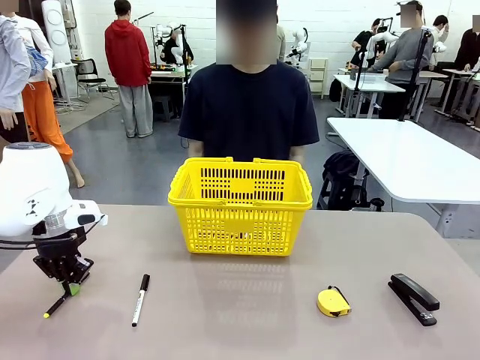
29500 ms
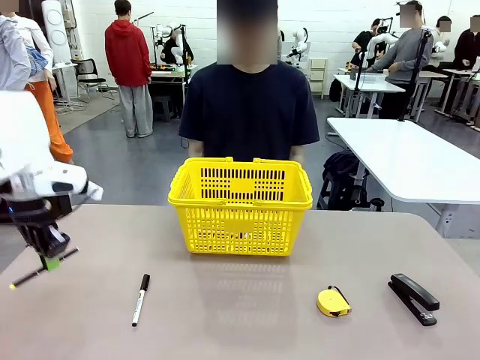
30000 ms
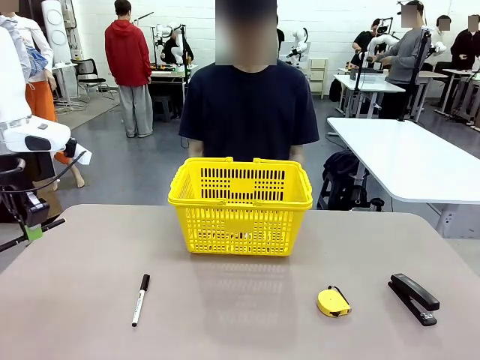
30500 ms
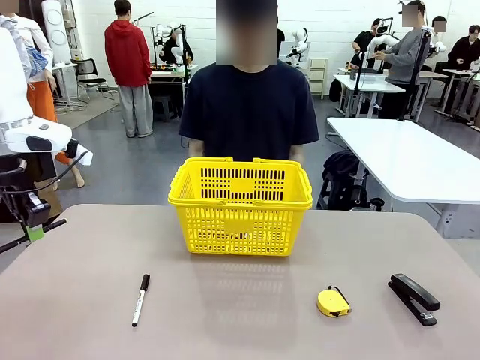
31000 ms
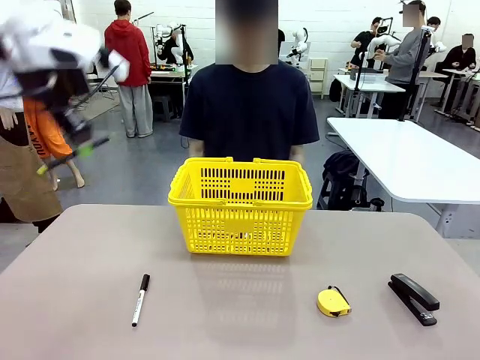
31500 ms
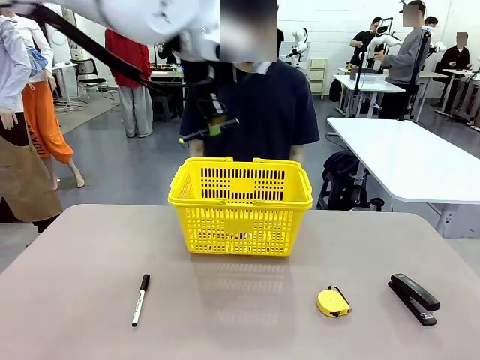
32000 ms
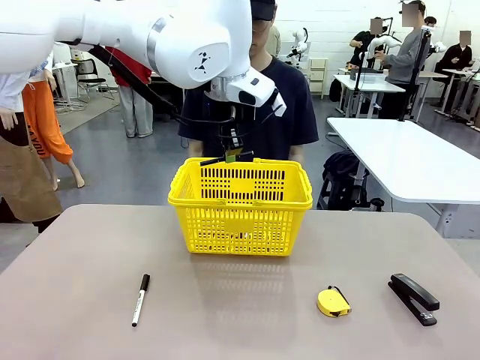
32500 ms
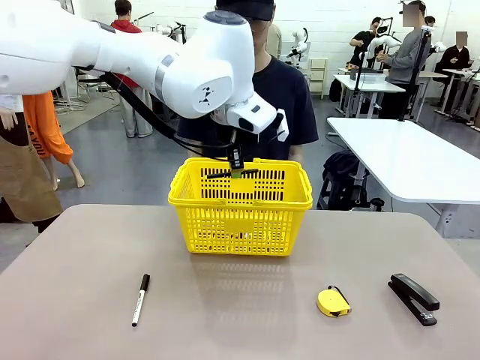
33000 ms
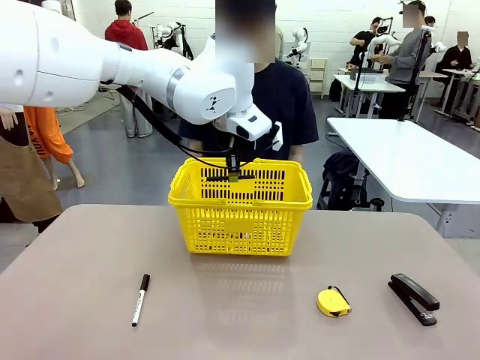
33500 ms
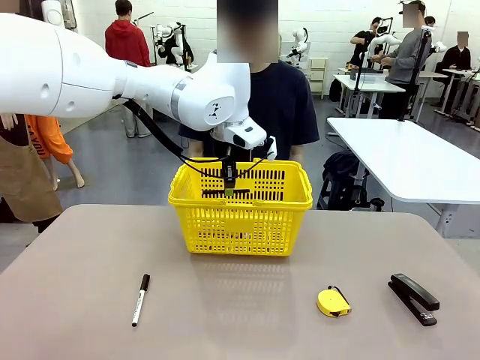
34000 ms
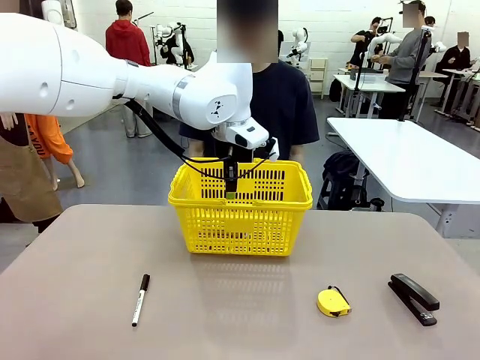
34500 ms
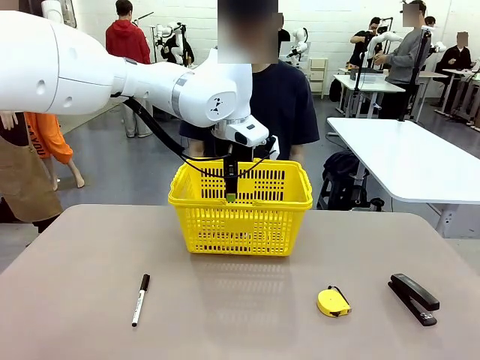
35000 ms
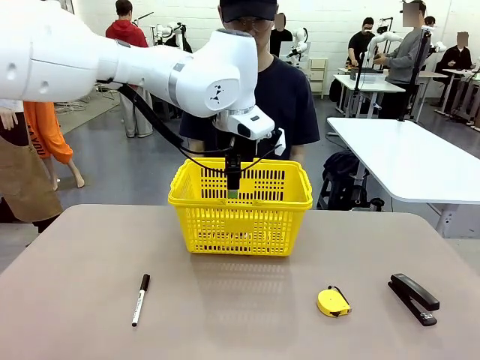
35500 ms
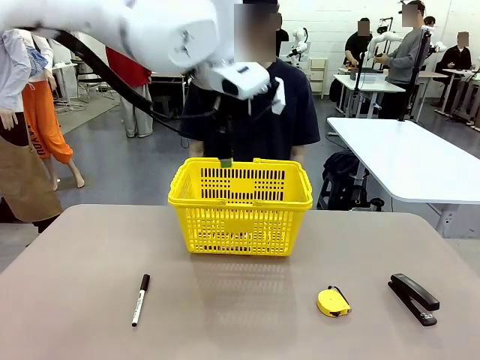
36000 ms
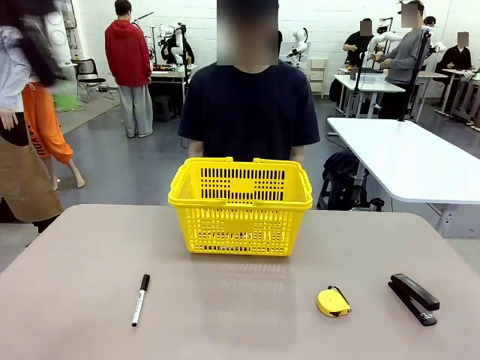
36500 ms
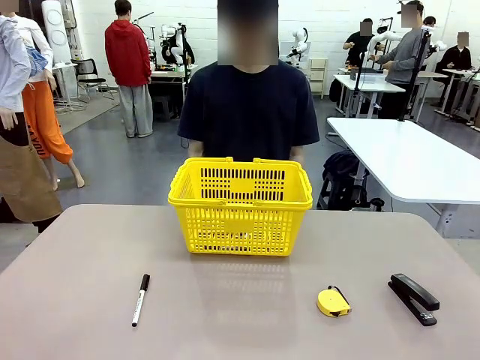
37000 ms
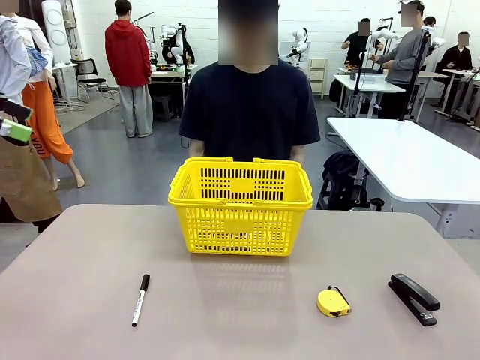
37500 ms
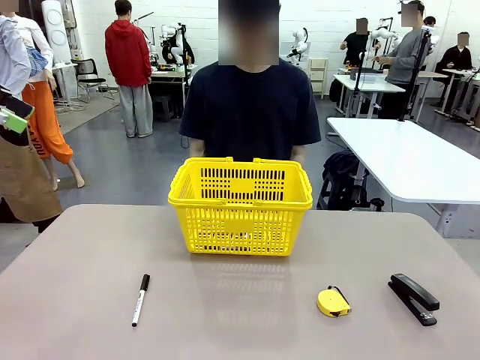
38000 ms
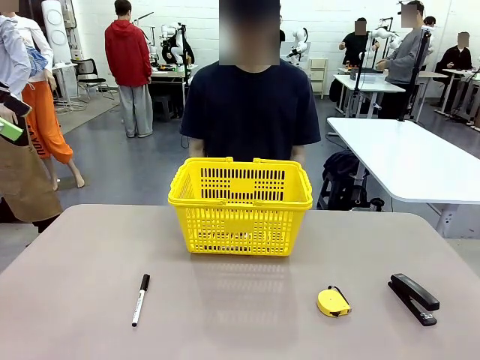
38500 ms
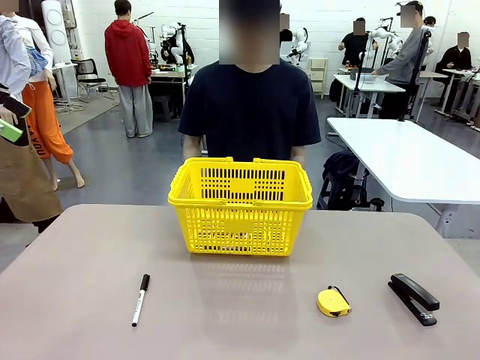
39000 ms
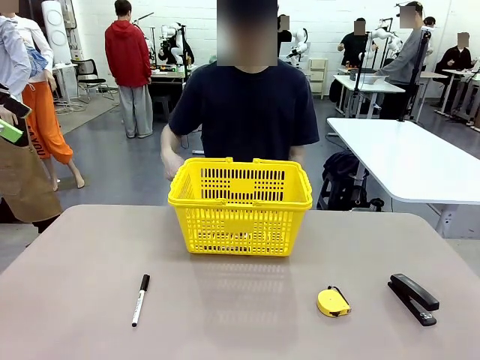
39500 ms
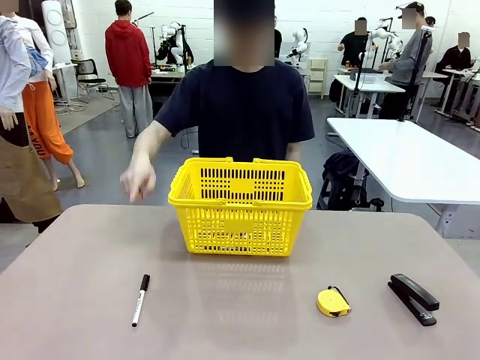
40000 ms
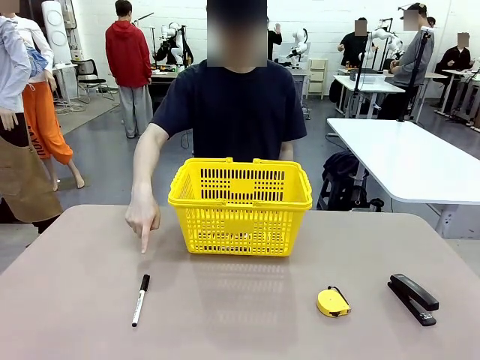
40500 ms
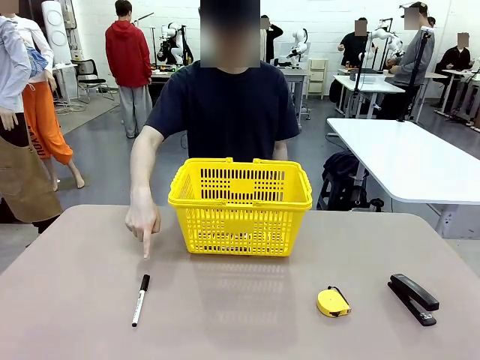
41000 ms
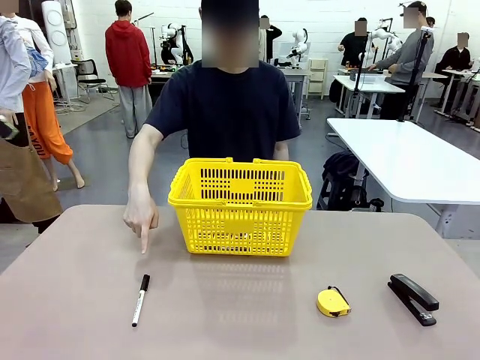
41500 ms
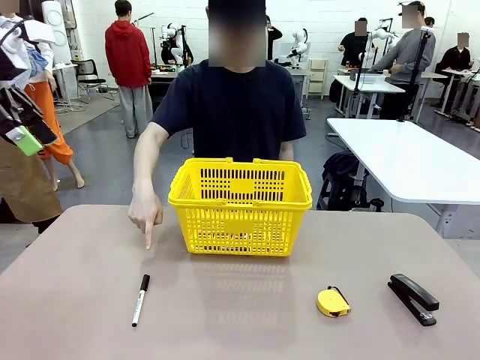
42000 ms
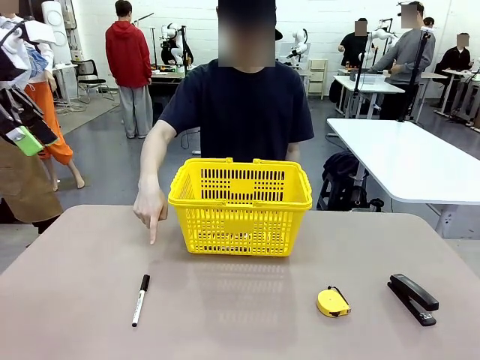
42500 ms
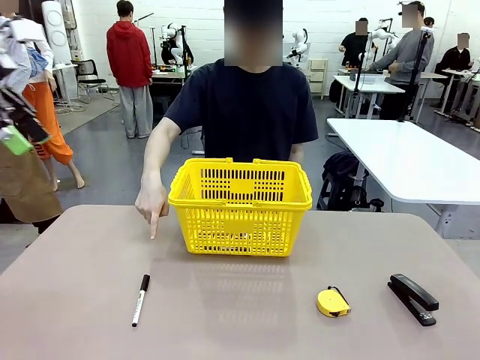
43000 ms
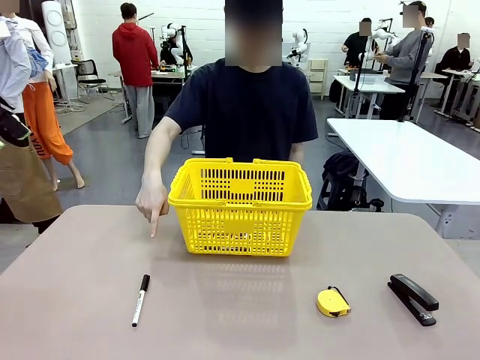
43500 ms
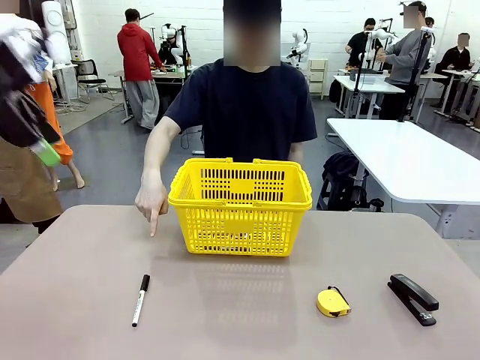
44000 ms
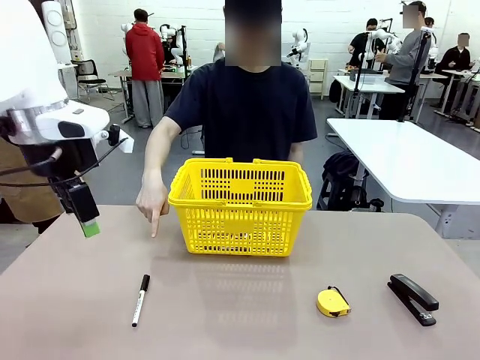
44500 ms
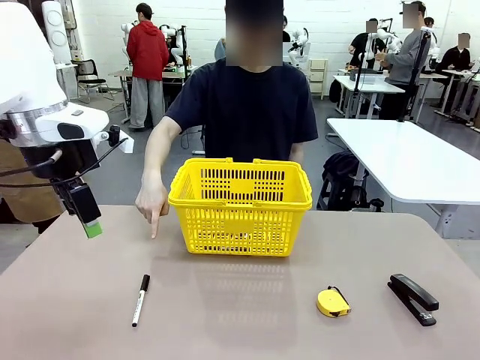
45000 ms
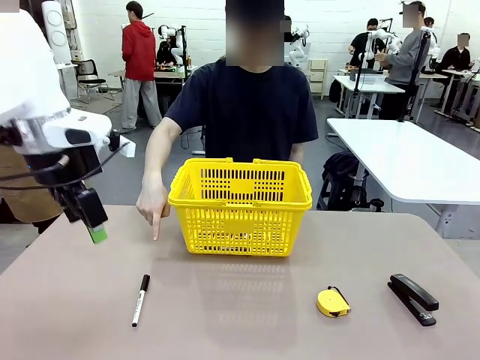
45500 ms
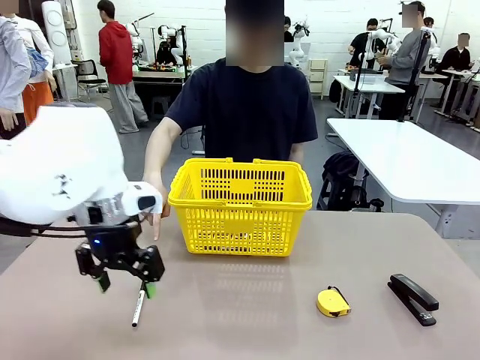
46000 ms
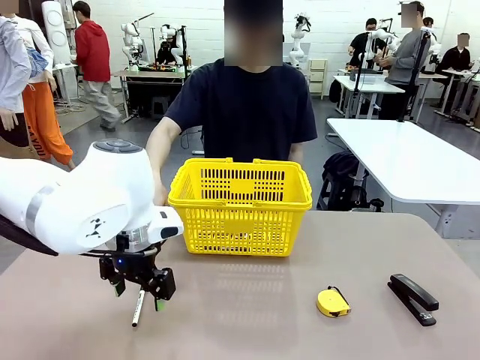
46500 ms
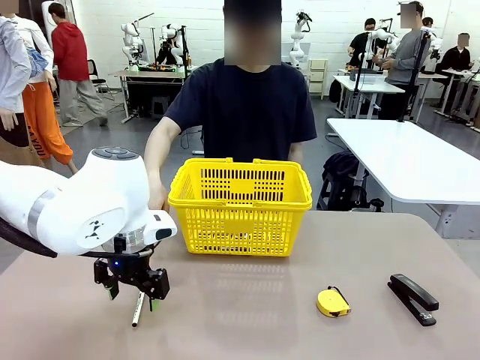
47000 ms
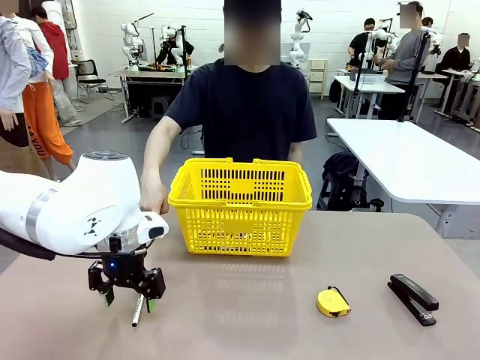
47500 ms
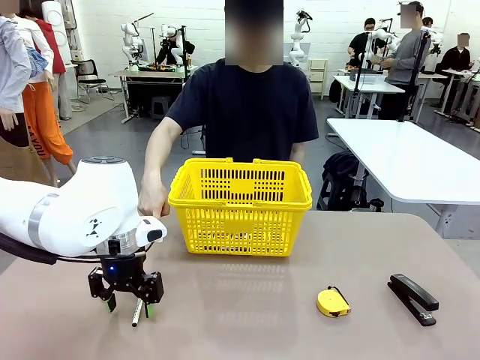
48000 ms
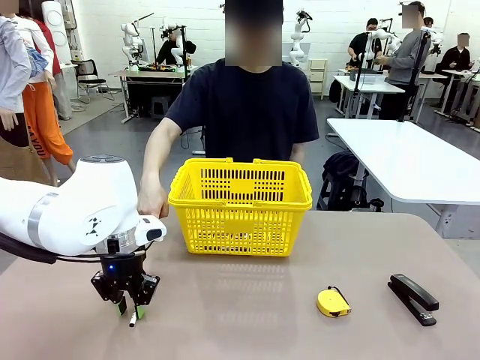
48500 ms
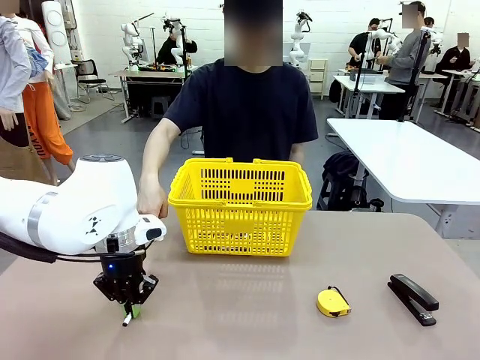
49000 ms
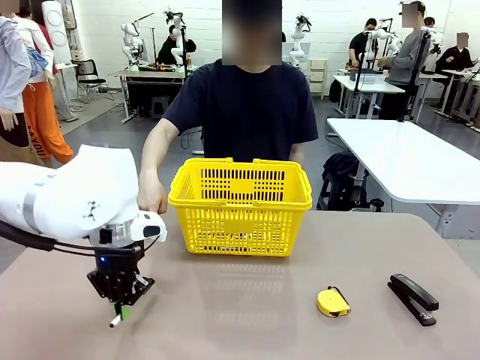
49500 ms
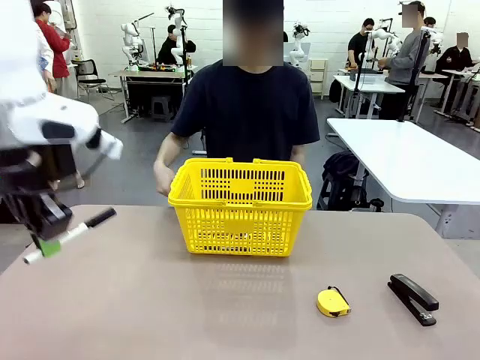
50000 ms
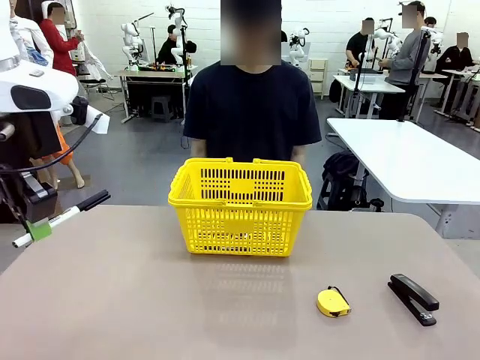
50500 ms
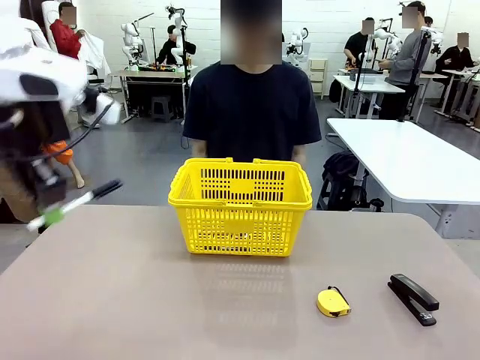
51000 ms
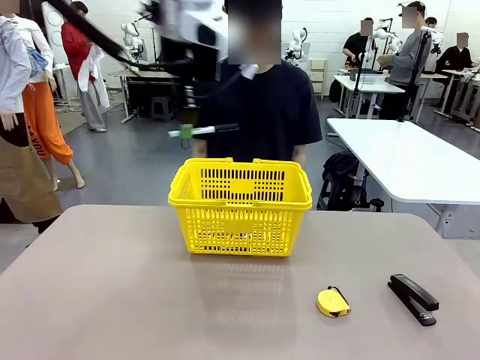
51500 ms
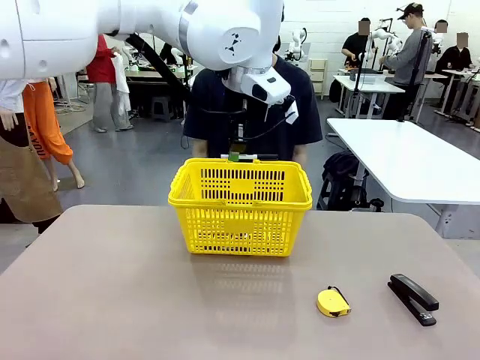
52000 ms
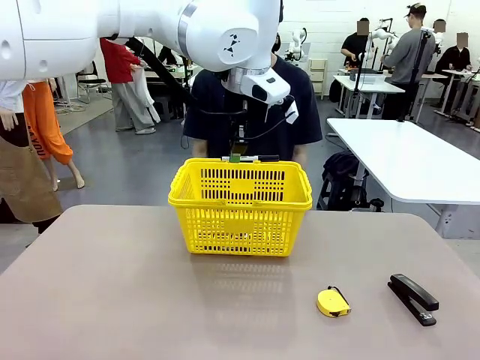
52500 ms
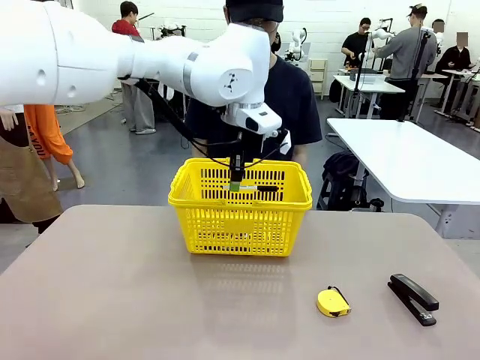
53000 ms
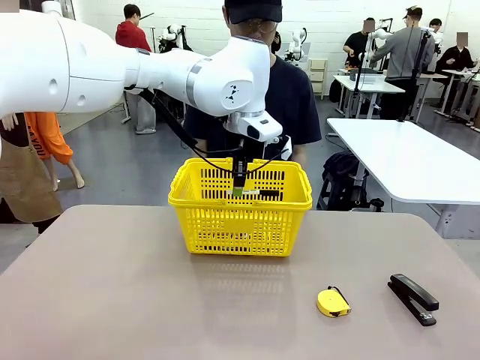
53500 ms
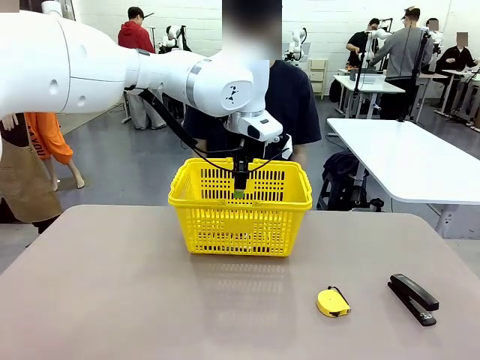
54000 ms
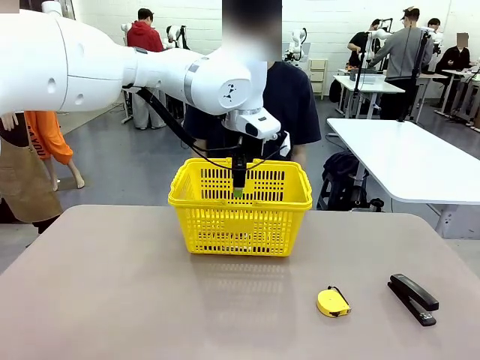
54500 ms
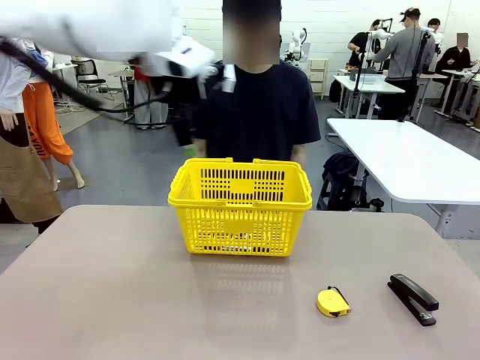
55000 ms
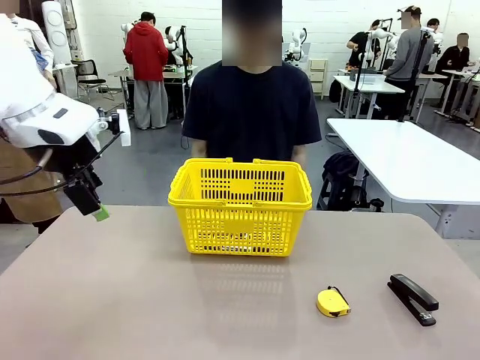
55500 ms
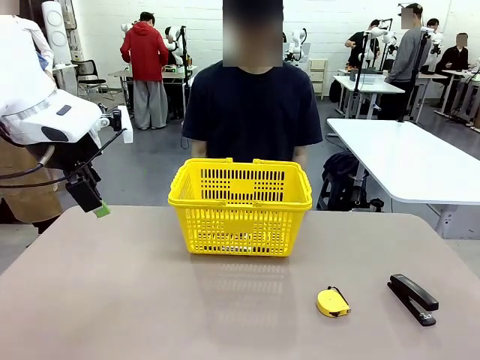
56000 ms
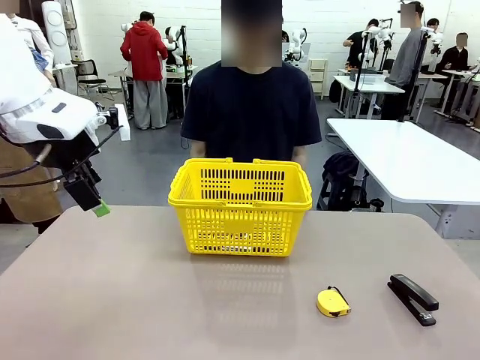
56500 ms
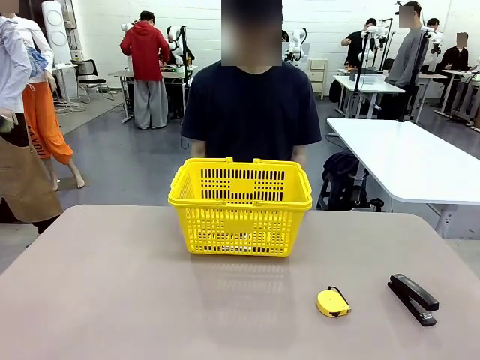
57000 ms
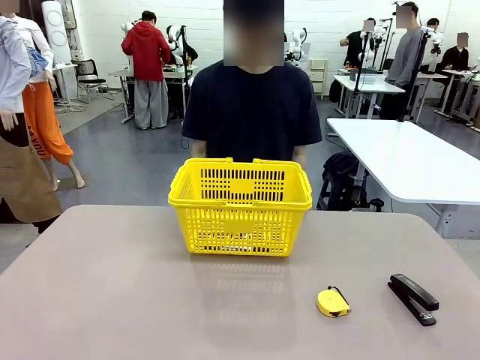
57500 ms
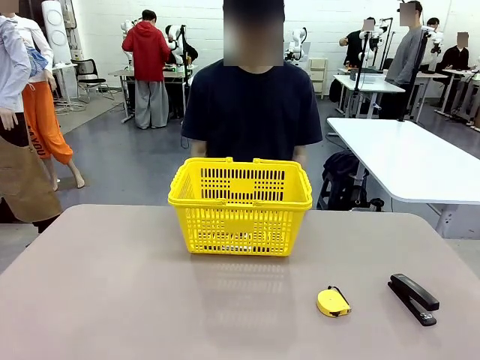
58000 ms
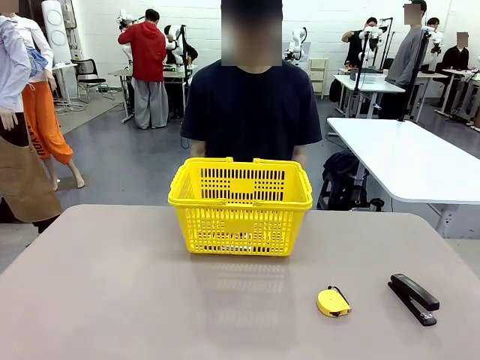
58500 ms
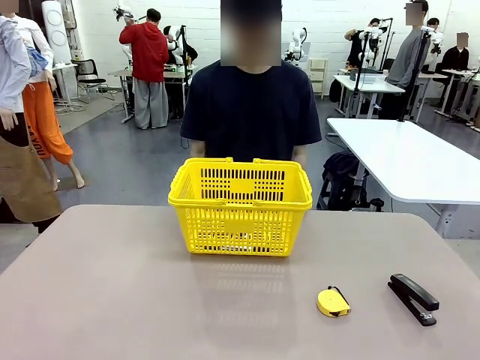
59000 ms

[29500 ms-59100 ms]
Task: Place the items the person wants into the basket.
Robot: Pick up the item the person points to and place it in the Market Basket.
Person: Point to one object on the table (excluding the basket).
